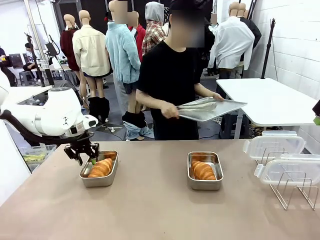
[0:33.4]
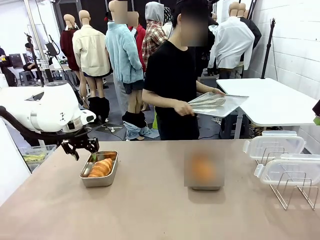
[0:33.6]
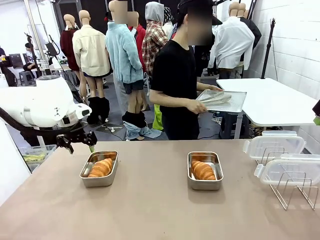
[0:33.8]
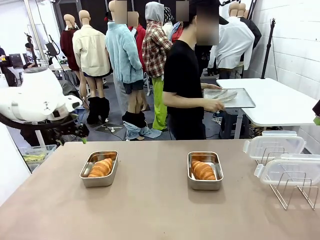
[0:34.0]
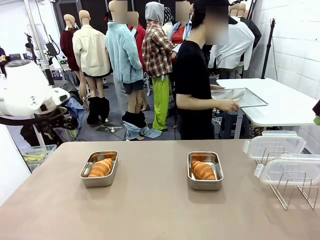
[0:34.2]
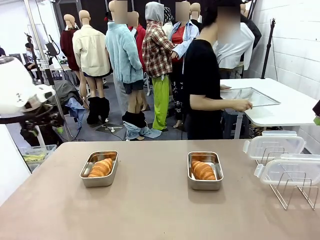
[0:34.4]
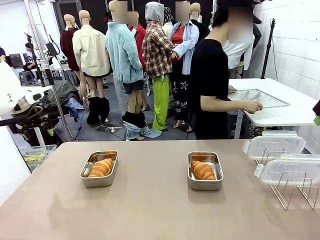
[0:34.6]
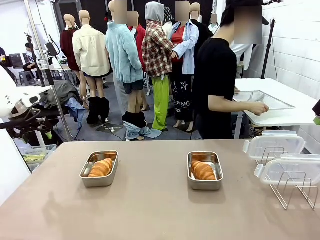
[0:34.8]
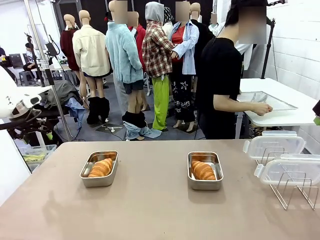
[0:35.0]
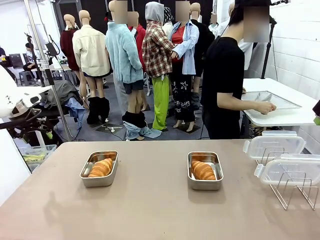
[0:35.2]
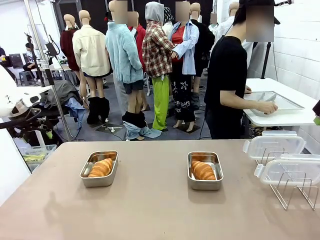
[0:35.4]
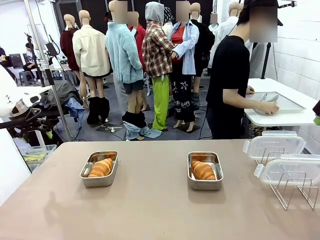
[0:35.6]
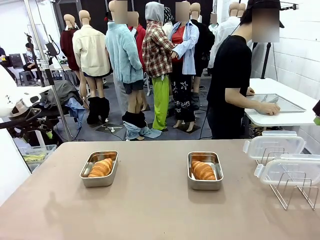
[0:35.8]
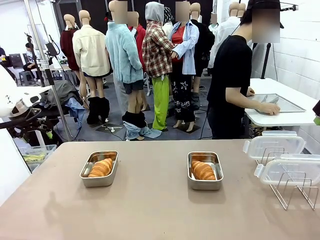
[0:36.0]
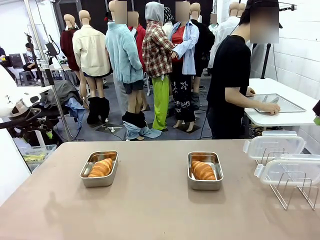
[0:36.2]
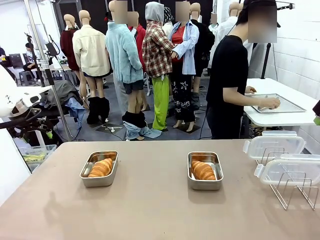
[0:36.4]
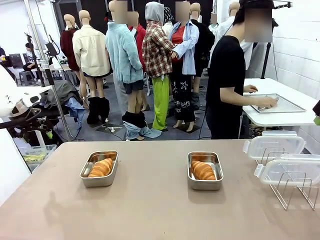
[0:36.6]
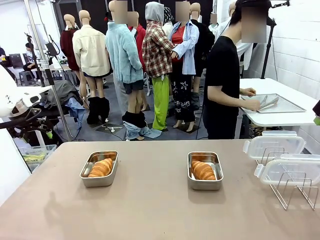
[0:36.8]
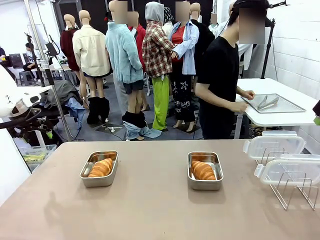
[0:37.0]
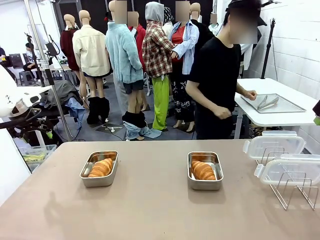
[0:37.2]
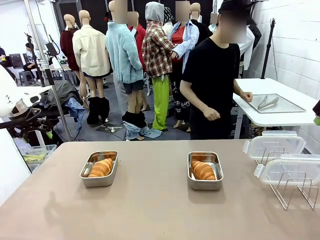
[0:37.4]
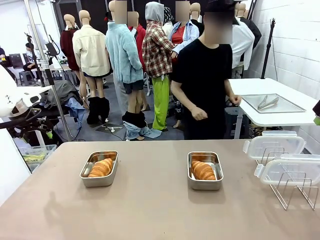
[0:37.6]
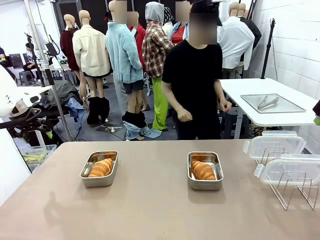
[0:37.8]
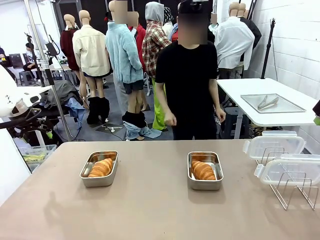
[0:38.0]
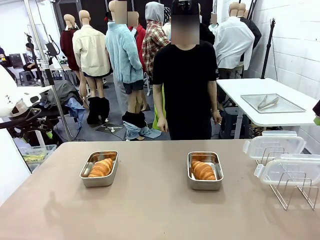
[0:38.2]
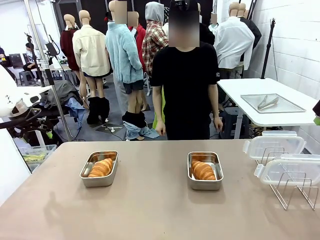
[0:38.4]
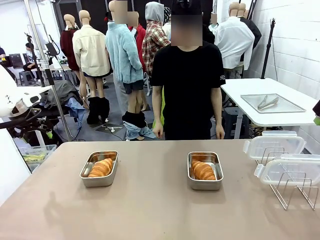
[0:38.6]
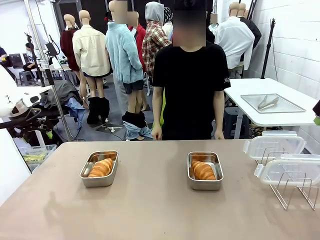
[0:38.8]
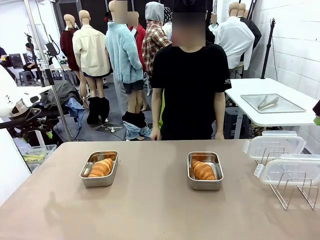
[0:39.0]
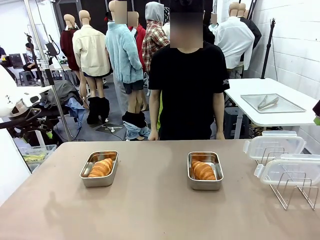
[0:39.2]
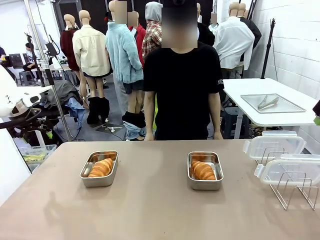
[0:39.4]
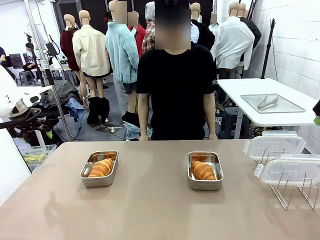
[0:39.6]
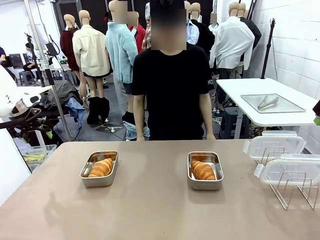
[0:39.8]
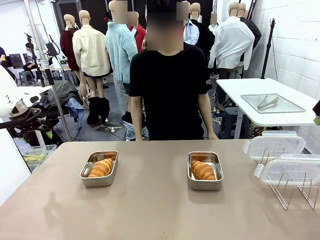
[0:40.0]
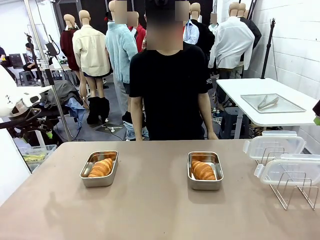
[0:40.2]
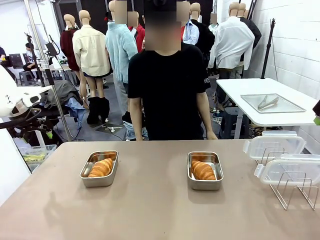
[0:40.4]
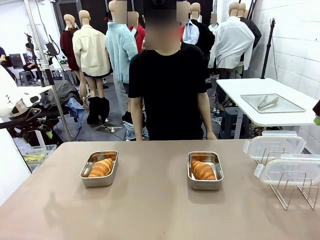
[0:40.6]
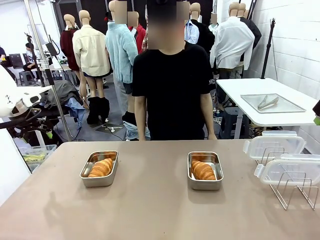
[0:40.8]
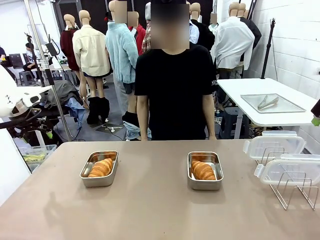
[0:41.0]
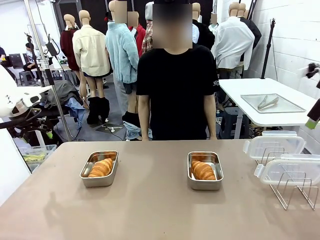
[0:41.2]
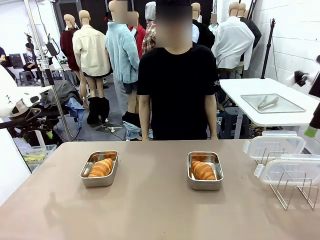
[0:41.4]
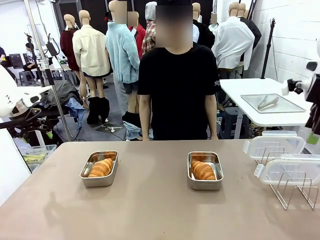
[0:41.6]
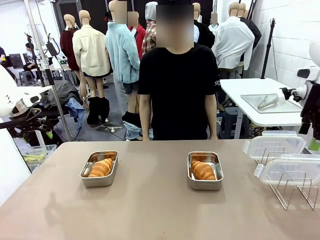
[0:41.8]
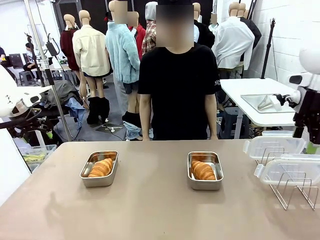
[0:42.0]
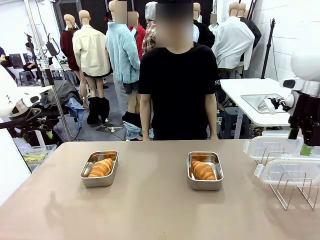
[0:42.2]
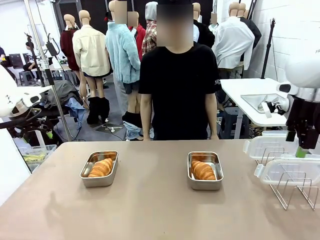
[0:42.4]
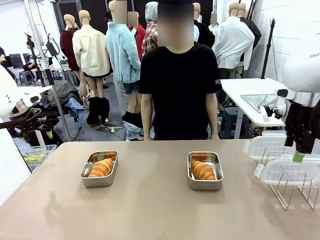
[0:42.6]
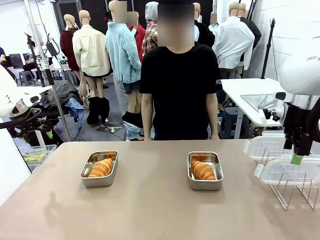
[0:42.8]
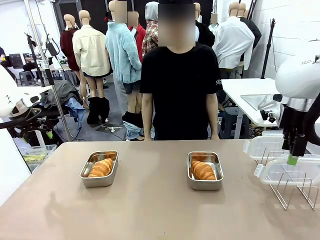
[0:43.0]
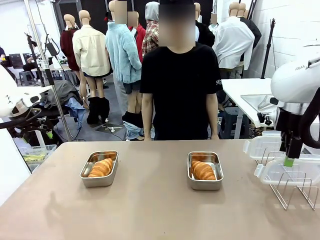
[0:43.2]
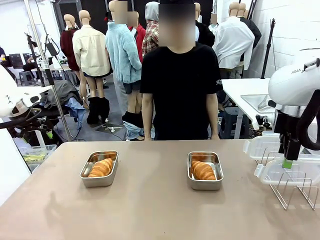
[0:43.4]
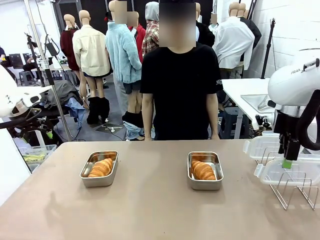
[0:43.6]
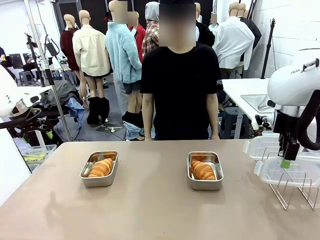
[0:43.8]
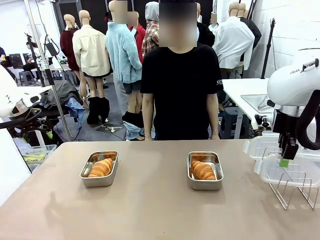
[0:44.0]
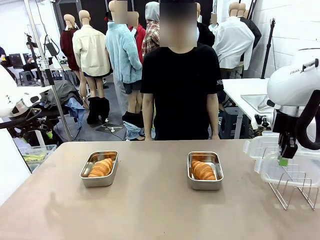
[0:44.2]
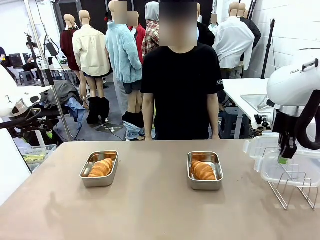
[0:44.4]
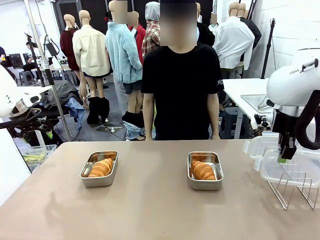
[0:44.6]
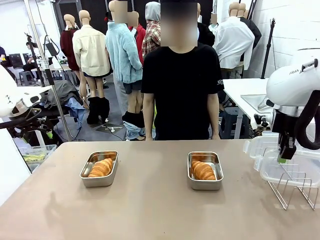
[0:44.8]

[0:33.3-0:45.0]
Task: Place the bread in airtight containers.
Robot: Pick up one Airtight Container lid and hand it to the human.
Person: Place Baking Sheet on the Human's Table.

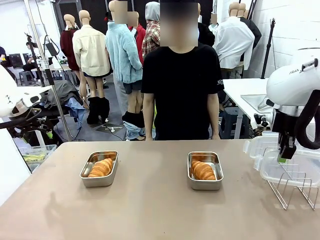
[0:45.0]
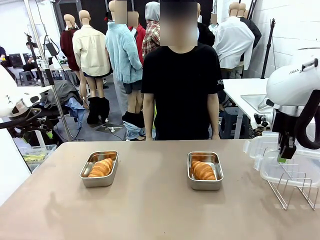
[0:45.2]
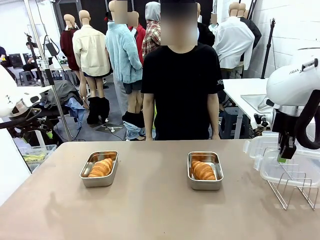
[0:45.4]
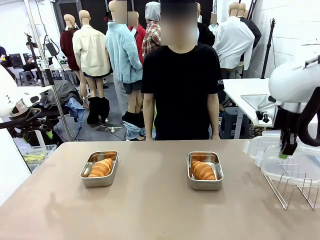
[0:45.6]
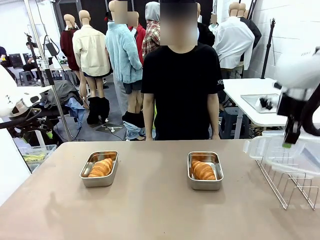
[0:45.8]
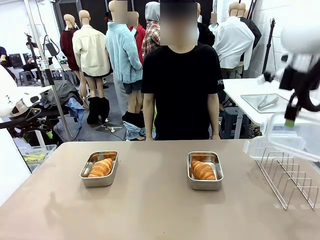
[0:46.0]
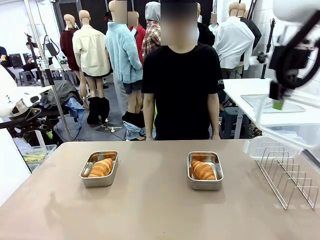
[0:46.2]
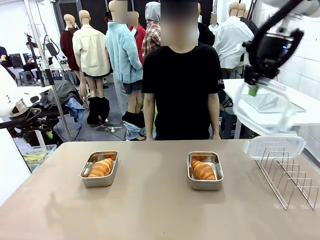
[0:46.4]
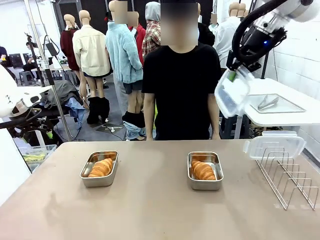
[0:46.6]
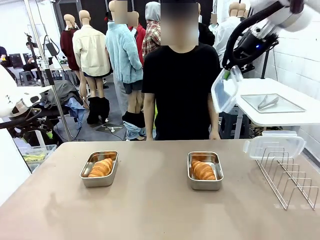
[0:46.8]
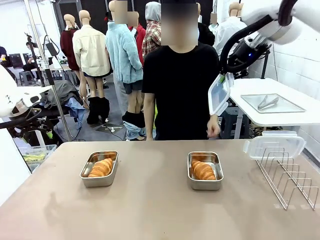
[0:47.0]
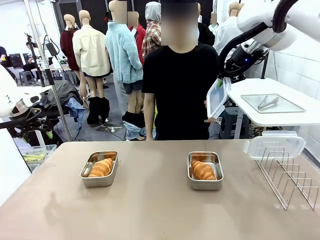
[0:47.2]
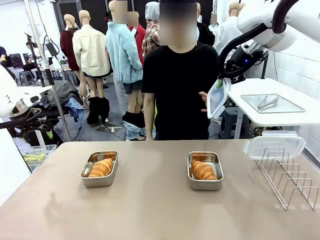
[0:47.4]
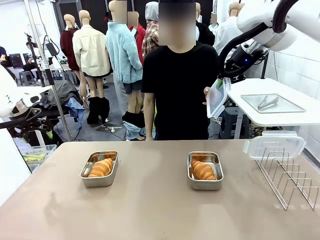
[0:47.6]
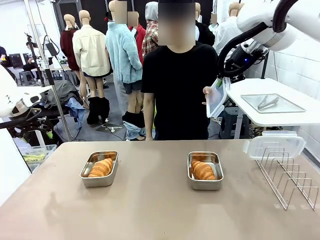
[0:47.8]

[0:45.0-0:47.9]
Robot: Release when the human grabs the Airtight Container lid.
